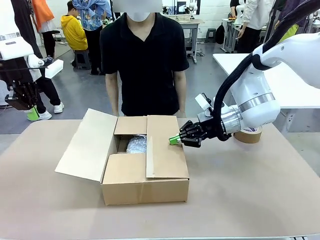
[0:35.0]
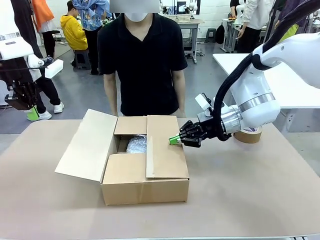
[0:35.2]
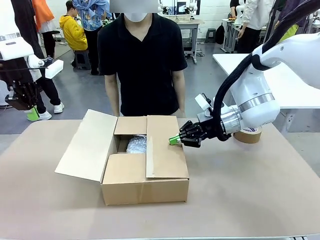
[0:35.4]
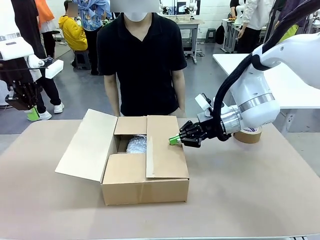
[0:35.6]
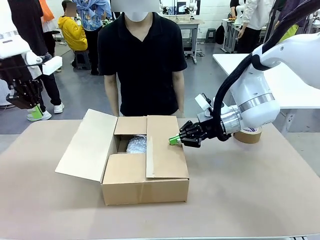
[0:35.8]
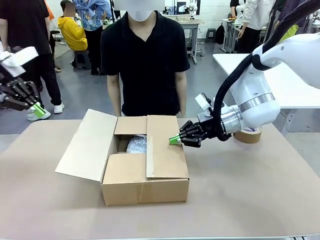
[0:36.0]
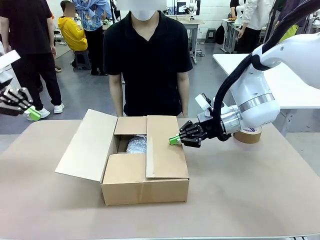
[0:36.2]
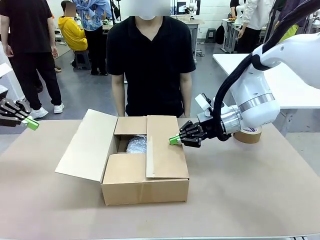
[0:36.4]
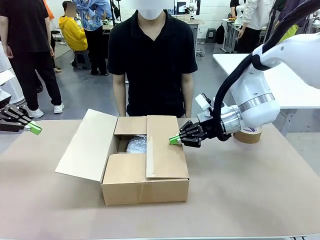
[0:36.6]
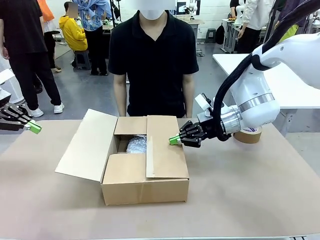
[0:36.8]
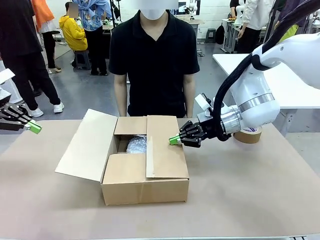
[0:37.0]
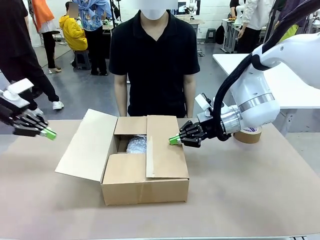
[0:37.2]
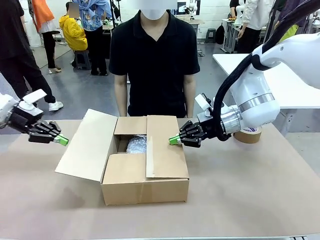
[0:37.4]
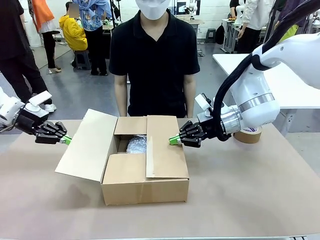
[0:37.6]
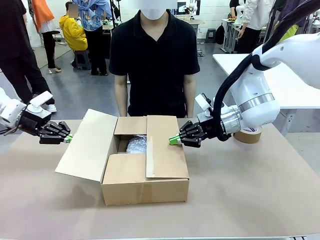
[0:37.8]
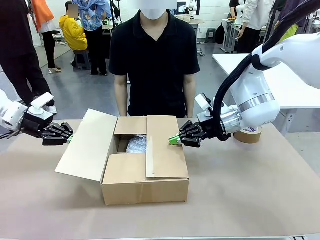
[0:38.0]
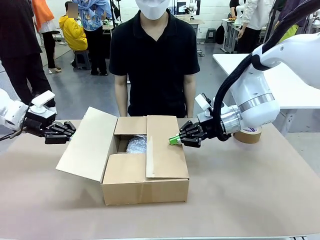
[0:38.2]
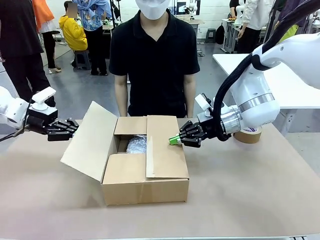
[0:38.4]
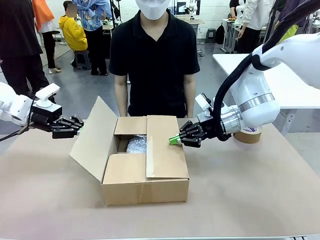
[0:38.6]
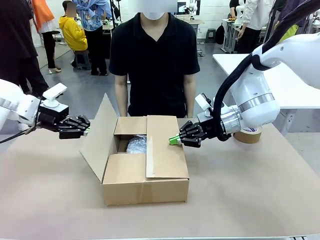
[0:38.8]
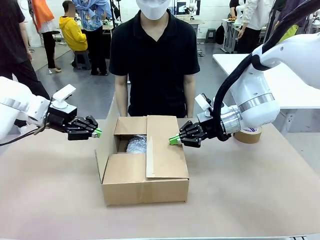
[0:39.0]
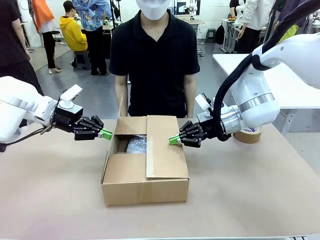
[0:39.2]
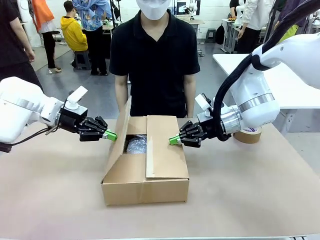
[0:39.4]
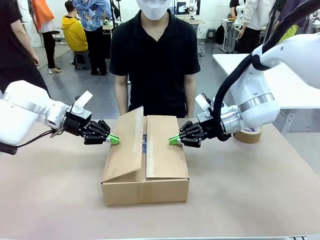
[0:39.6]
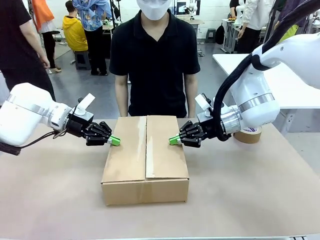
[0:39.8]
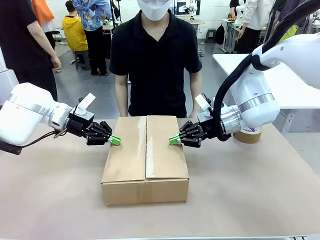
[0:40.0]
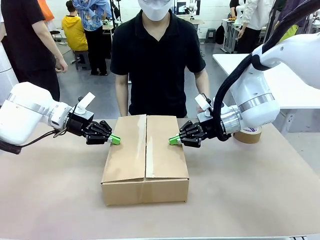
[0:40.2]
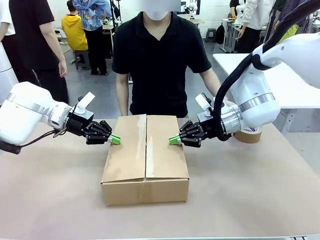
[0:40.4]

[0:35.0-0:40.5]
Task: Wrap the clocks to prevent damage.
Robot: Push the left (or right) flap of the Package Box to close it.

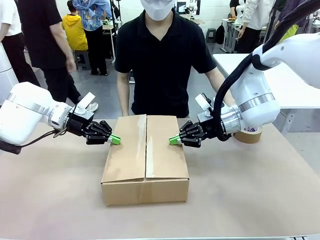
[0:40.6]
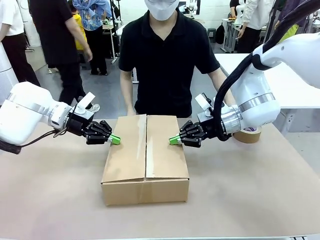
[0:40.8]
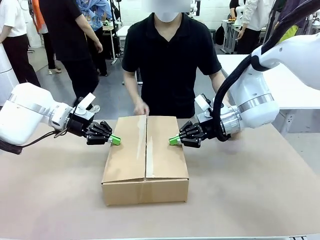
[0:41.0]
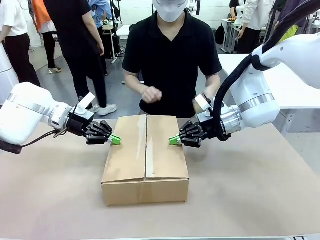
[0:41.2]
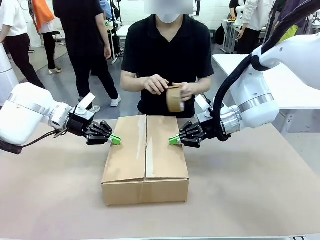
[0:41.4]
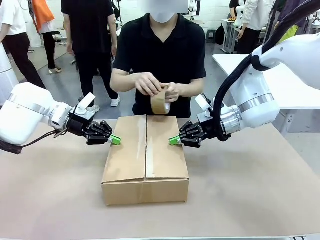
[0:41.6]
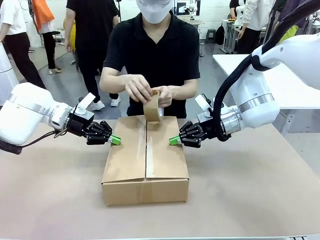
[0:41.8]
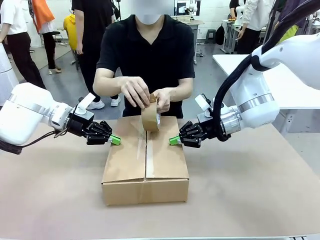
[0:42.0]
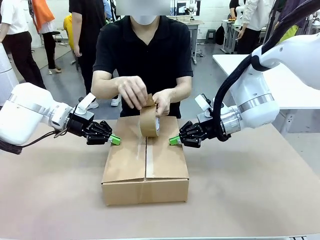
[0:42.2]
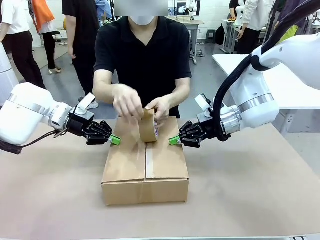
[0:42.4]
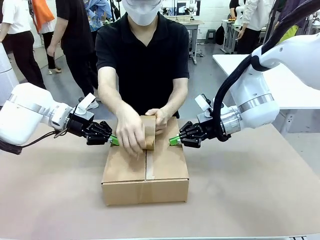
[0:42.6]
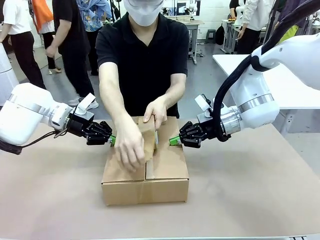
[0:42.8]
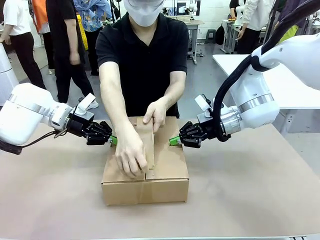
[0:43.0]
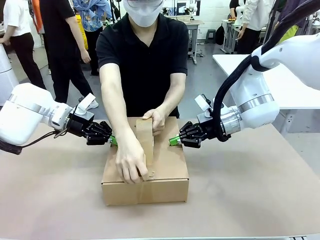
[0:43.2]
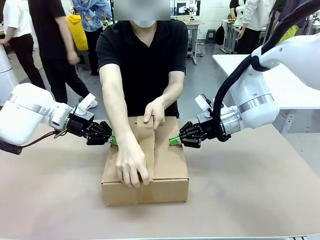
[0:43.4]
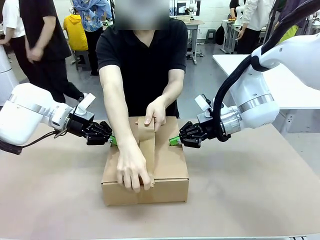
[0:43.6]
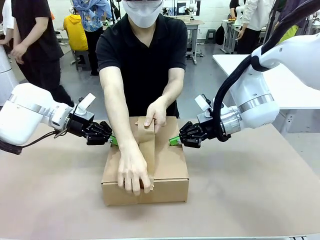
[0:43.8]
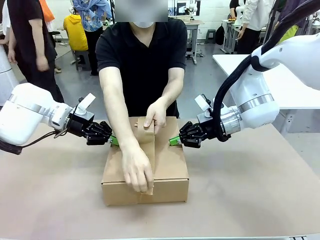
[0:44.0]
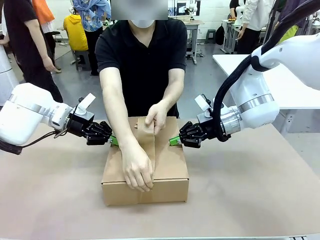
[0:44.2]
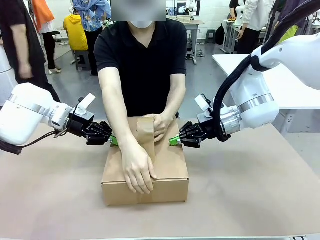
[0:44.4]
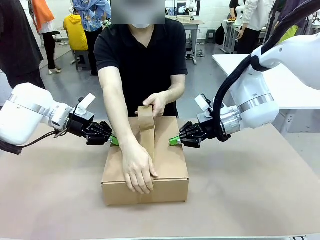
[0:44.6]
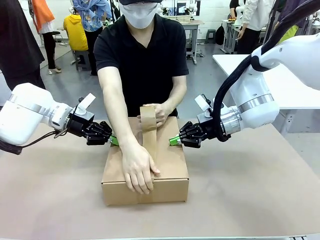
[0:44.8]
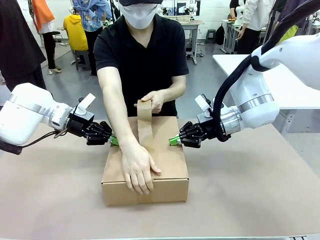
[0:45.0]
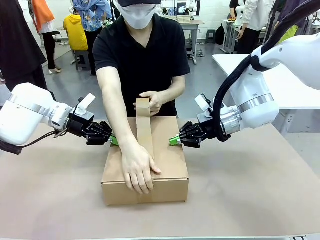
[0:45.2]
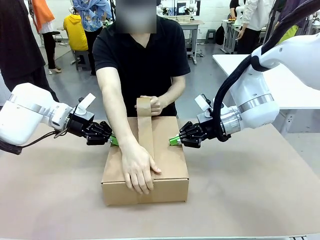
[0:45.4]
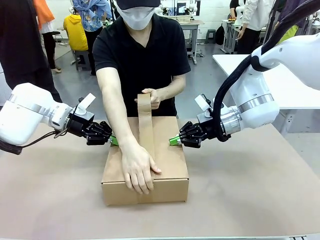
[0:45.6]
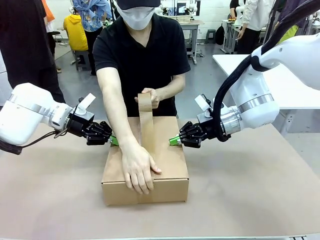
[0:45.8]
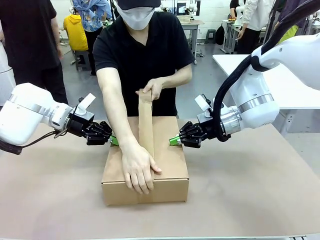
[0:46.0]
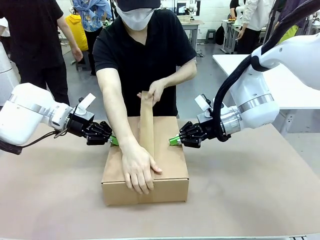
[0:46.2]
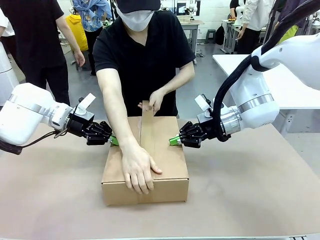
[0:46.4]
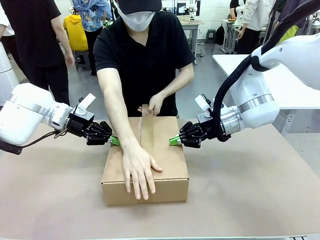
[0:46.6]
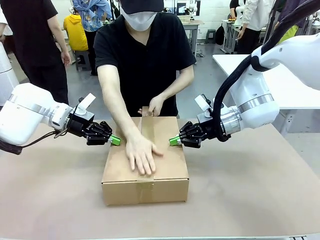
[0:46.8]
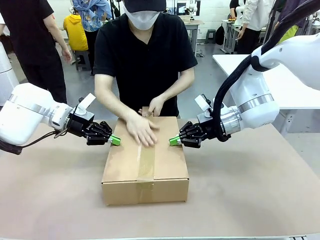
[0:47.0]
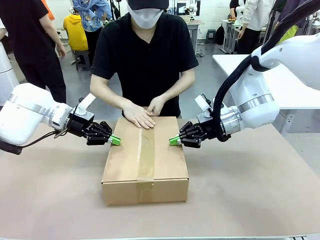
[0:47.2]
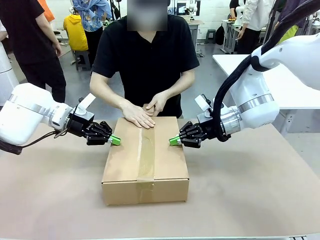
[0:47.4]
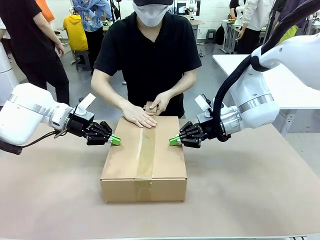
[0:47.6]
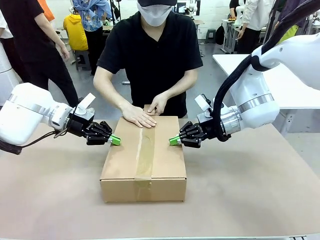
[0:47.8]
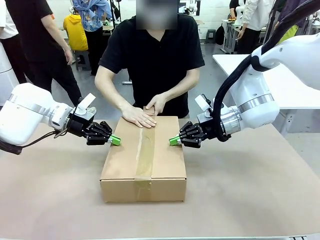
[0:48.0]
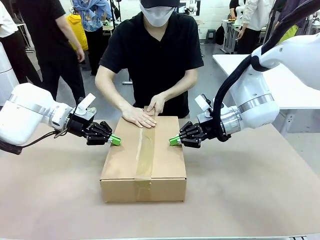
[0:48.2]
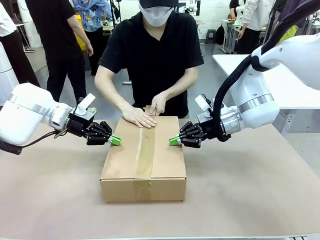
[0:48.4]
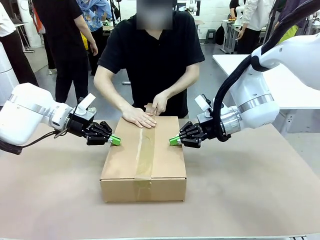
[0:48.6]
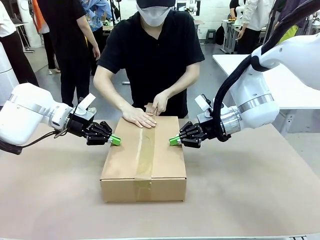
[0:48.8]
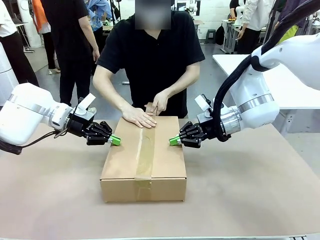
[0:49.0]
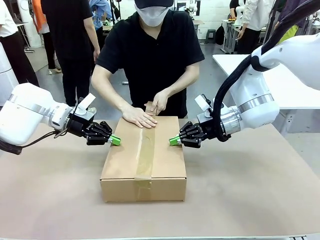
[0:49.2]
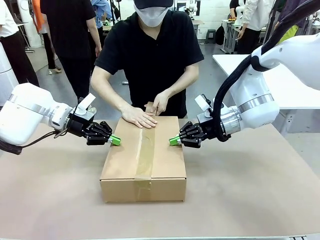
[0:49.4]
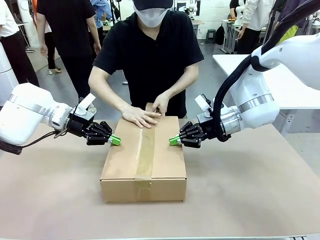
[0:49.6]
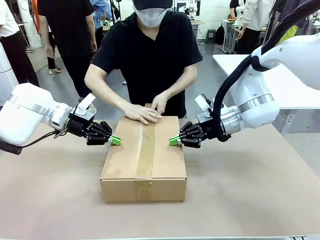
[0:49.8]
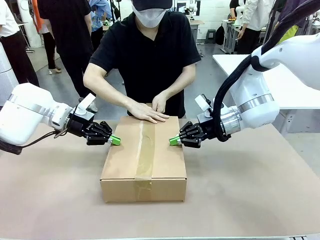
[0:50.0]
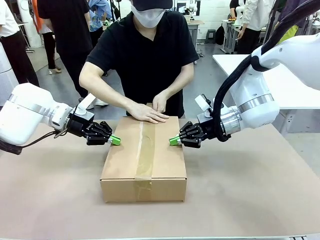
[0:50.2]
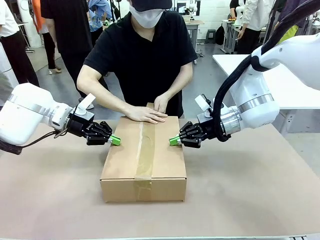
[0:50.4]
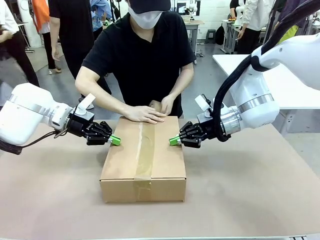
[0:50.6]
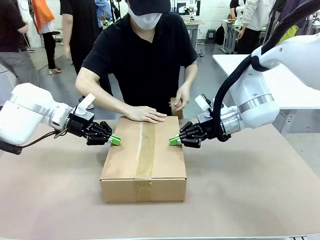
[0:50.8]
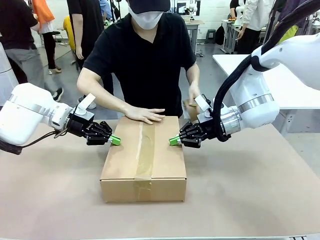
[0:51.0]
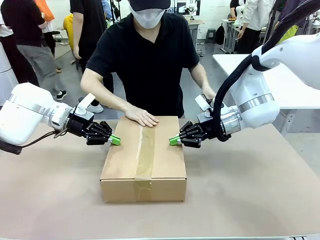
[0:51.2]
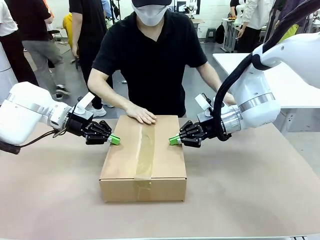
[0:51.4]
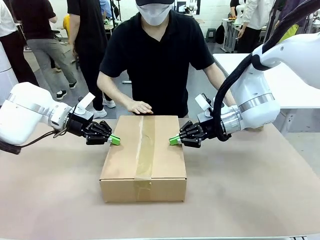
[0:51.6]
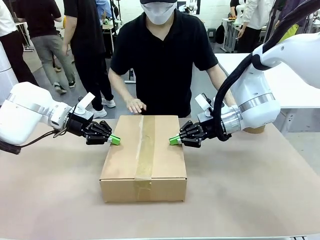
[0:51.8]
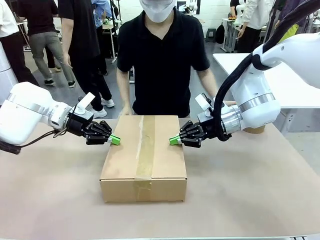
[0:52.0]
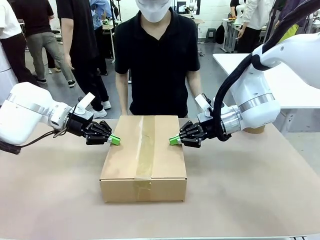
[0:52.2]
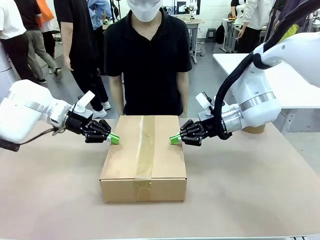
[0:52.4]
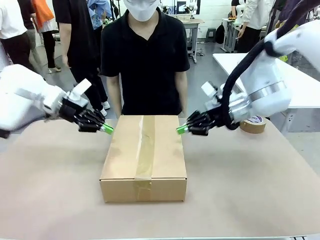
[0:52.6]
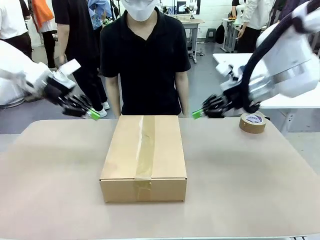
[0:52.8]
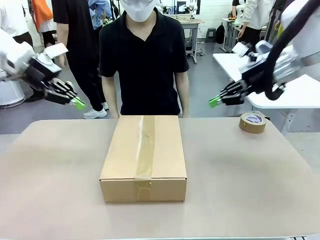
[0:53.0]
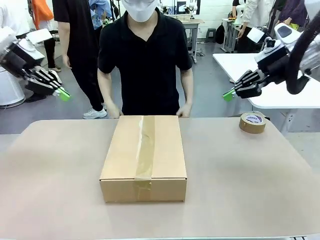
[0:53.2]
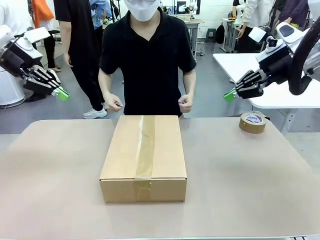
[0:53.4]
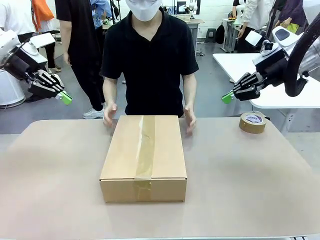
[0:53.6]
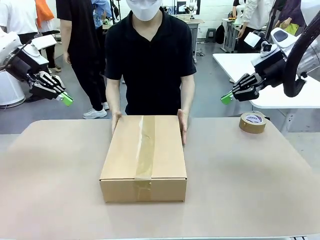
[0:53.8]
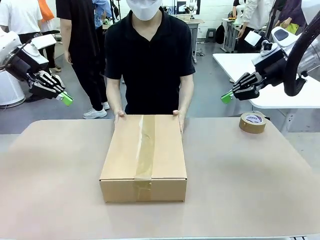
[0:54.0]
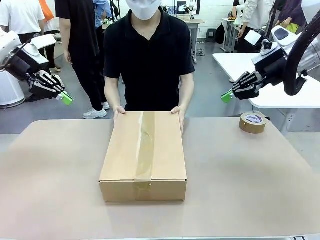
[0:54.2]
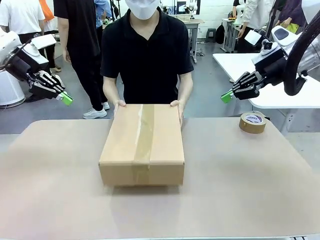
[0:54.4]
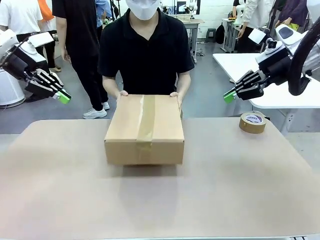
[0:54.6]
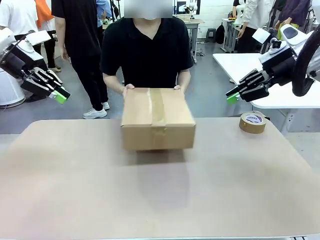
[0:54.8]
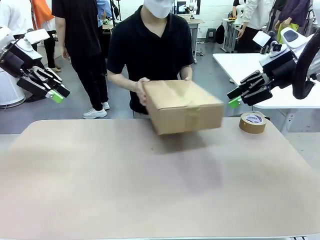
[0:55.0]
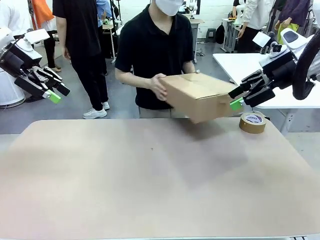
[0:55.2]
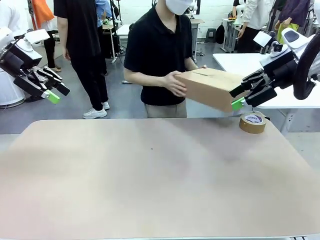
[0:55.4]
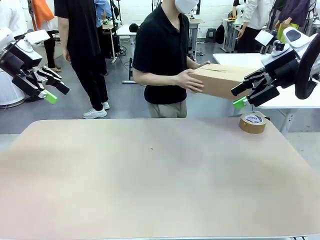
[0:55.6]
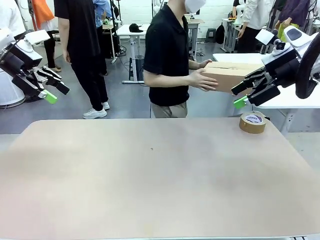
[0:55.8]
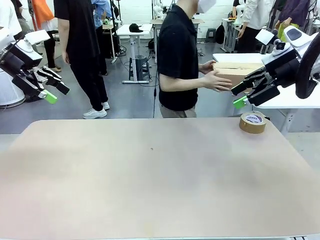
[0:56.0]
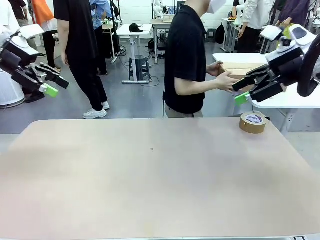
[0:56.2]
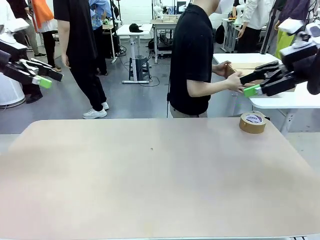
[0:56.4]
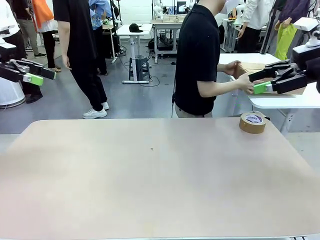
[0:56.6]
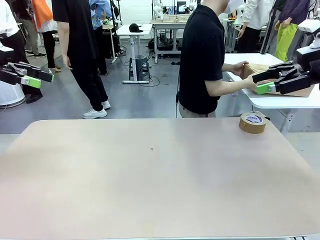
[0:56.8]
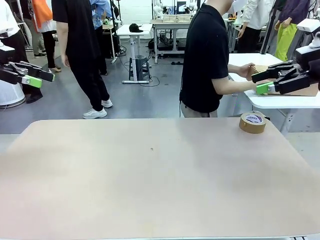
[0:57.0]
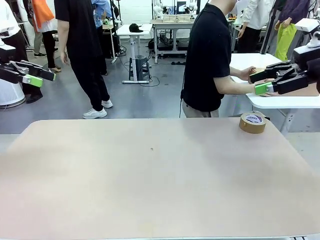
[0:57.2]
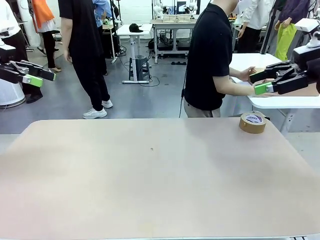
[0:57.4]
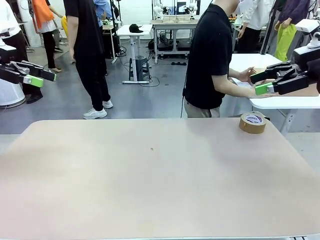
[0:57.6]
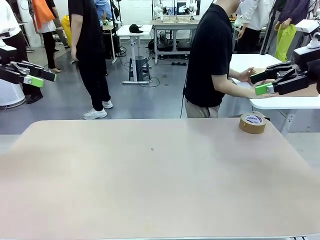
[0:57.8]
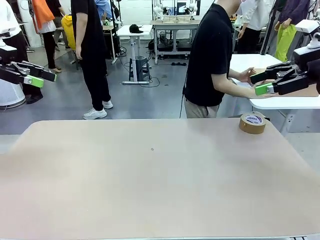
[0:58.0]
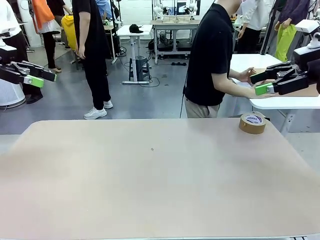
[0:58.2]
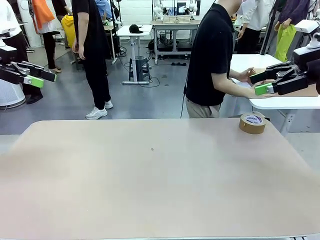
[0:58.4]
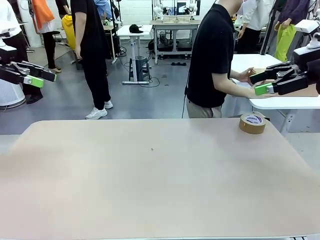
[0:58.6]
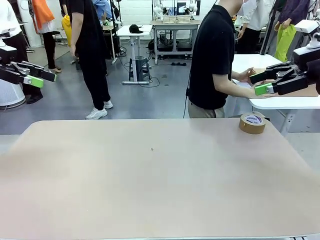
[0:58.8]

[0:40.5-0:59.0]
Robot: After the human seals the box with tape, release both hands from the side flaps of the Package Box.
Person: Once the robot closes the left flap of the Package Box , seal the box with Paper Tape. Place sealed Package Box in the middle of the human's table.
